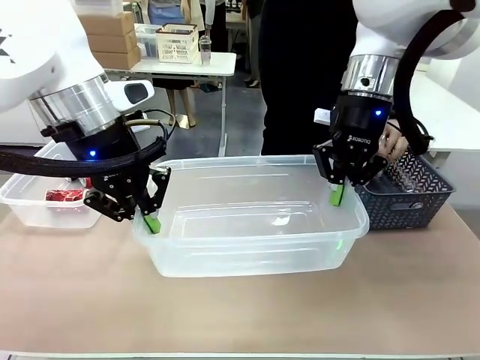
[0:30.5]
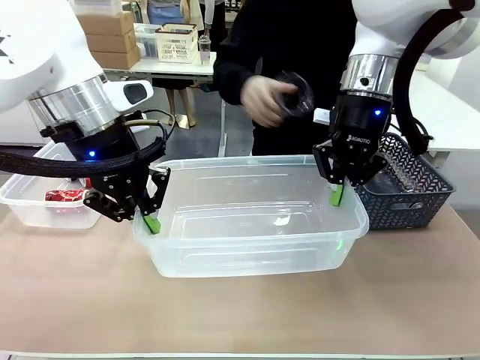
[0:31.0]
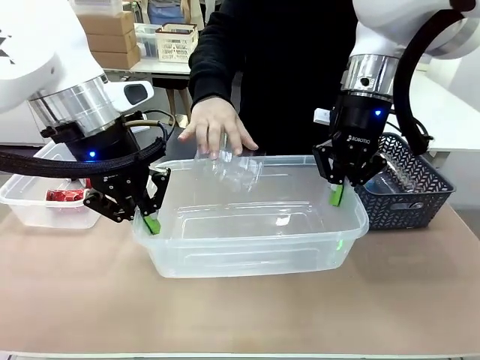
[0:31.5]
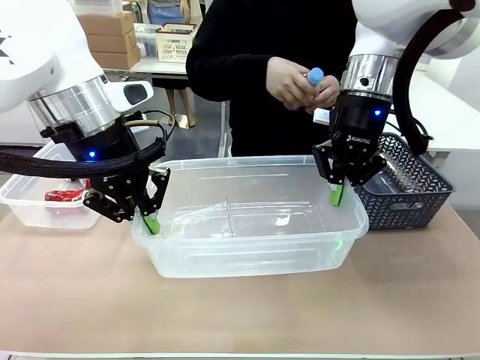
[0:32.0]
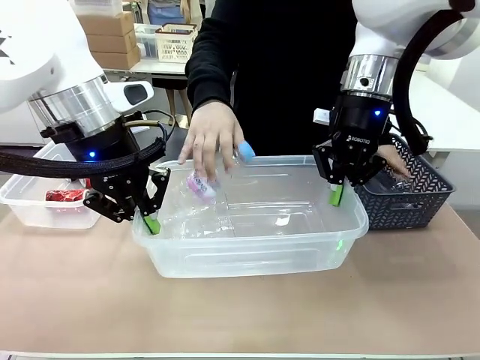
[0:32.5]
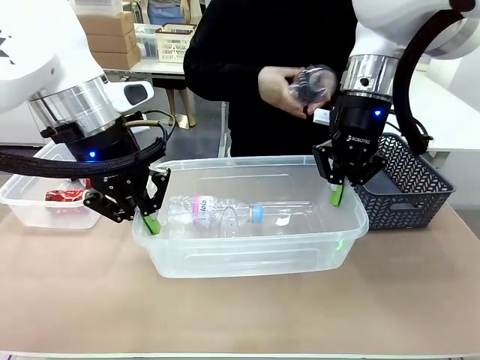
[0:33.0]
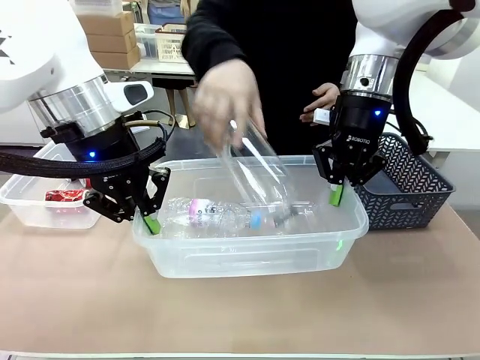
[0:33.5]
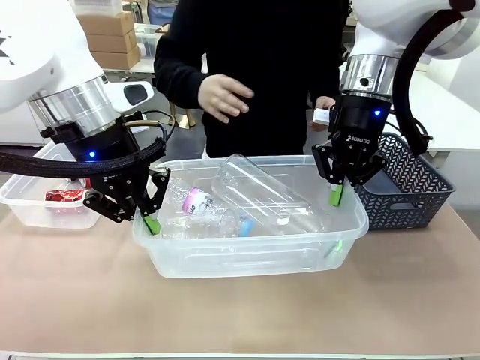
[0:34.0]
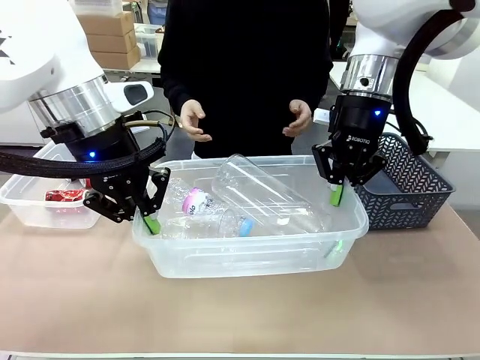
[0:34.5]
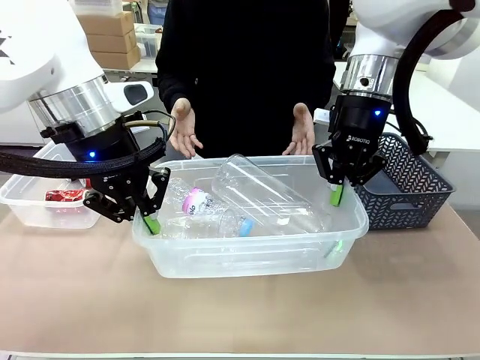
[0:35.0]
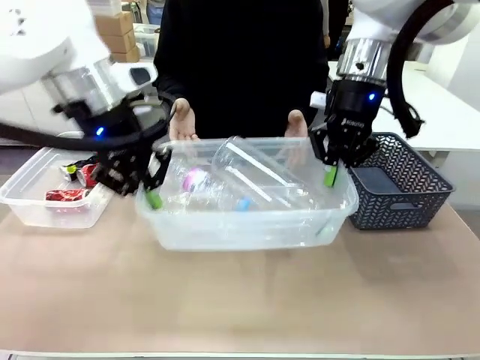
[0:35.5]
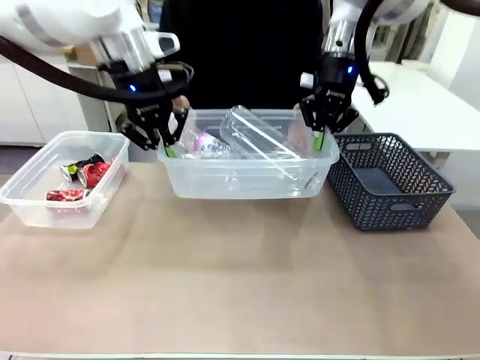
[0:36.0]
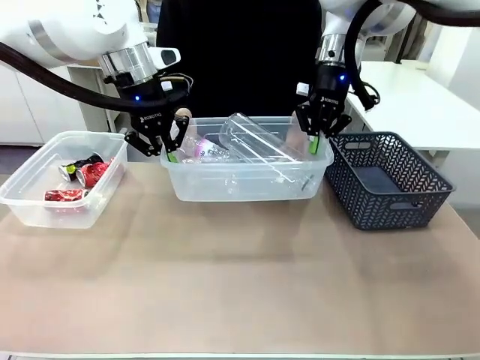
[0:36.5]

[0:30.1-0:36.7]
Robot: Offer the picked Organizing box to the human.

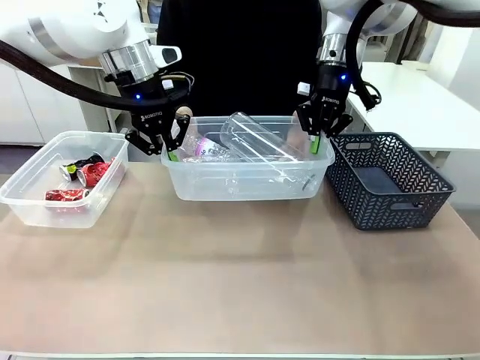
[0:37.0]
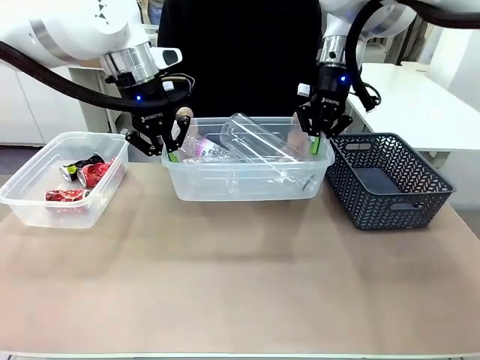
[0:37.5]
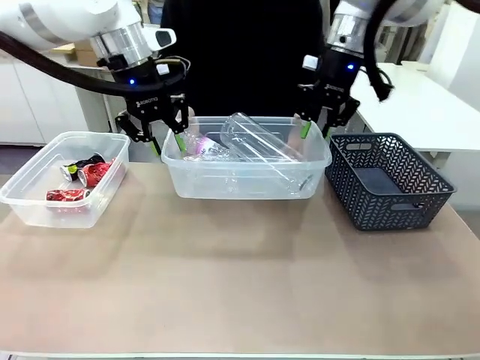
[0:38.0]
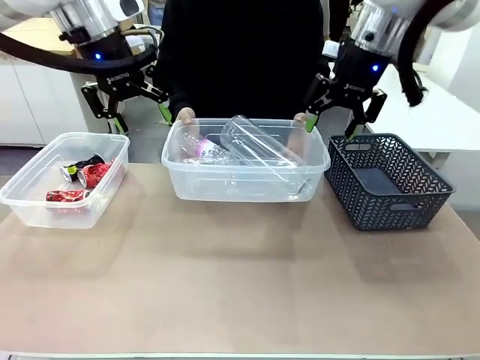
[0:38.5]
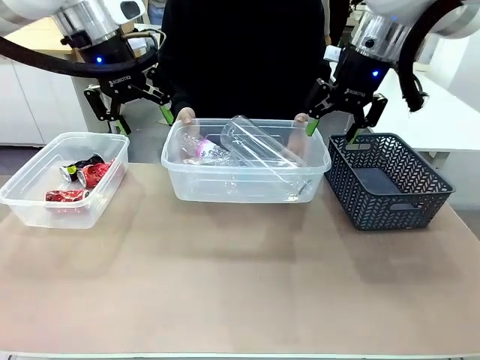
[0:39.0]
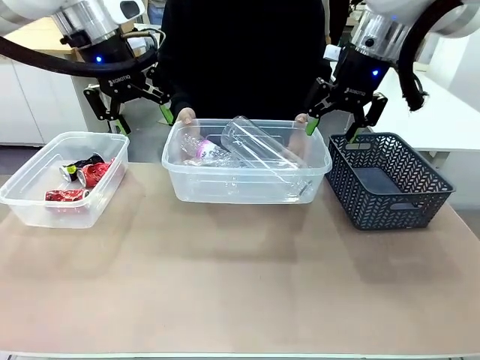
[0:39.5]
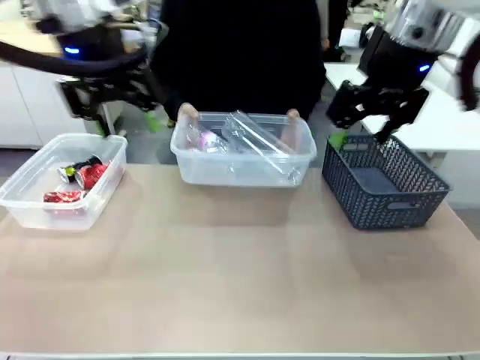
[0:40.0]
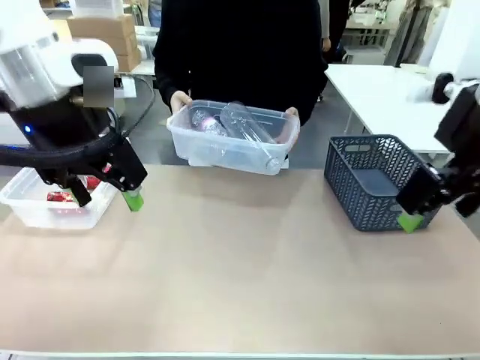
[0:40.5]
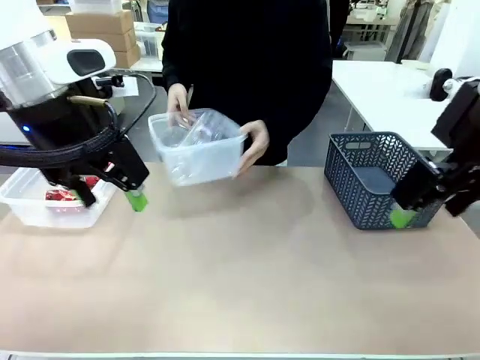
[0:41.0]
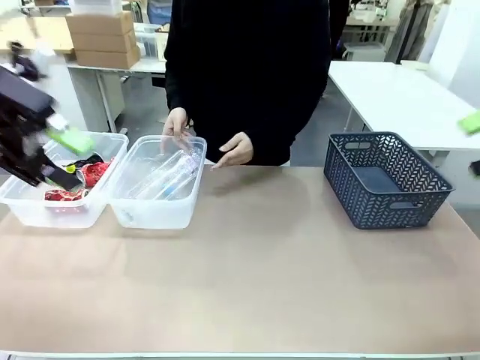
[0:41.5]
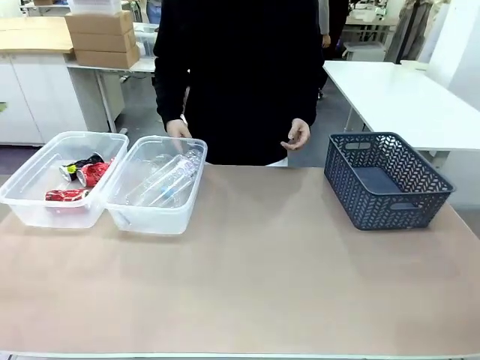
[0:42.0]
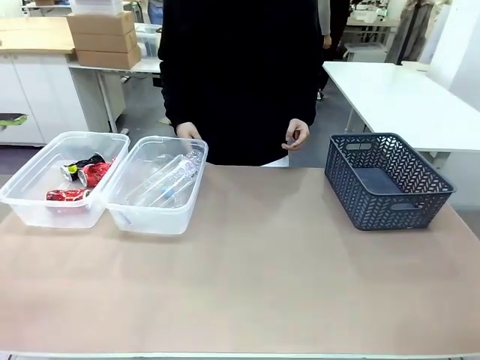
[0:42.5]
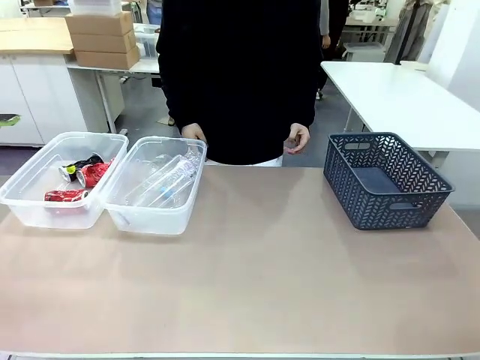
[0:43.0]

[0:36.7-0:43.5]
Robot: Release the Organizing box you were holding.
Person: Pick up the organizing box extended by the robot. Place the organizing box to the left of the sorting box containing the can waste.

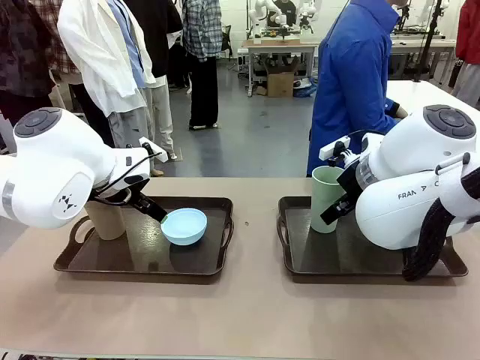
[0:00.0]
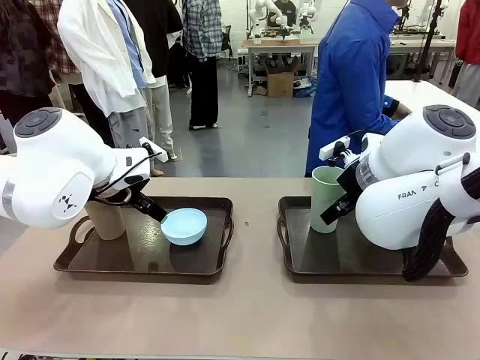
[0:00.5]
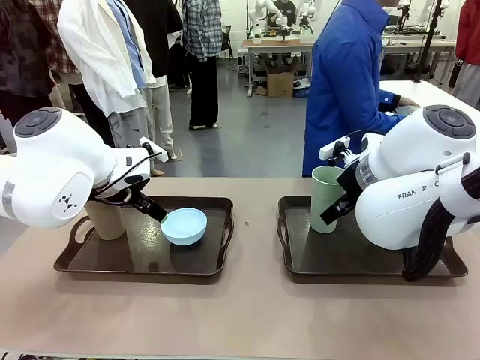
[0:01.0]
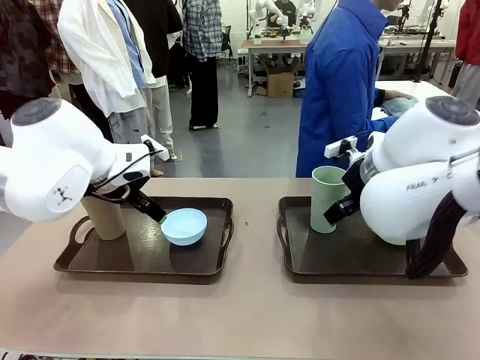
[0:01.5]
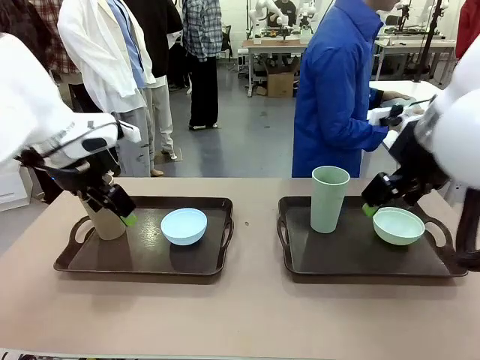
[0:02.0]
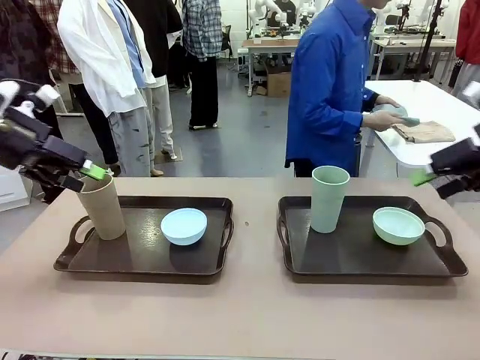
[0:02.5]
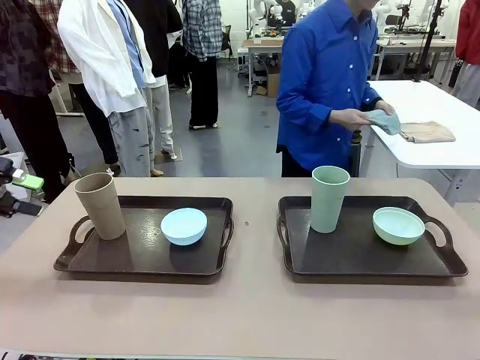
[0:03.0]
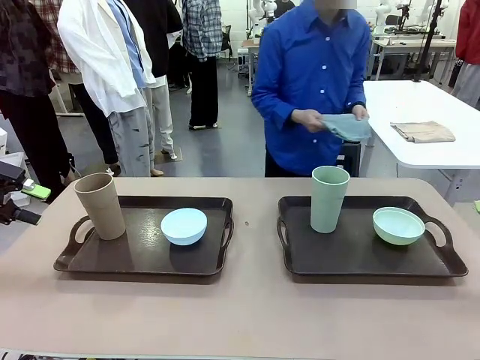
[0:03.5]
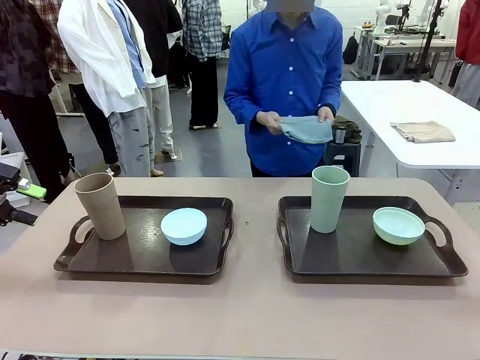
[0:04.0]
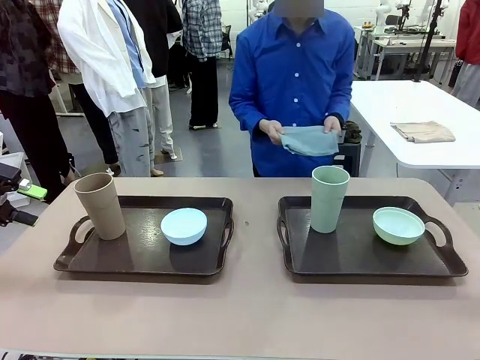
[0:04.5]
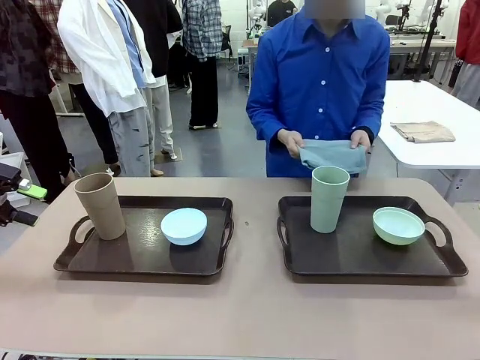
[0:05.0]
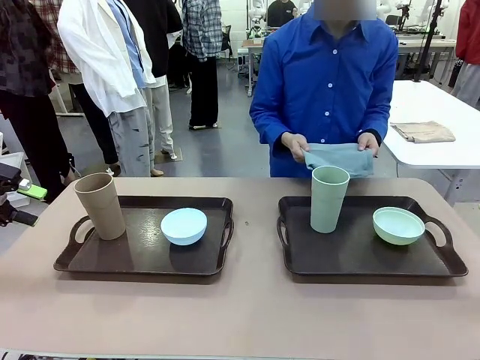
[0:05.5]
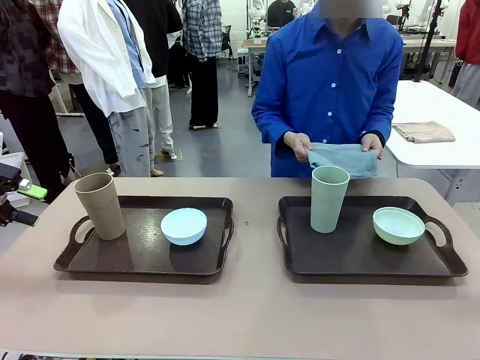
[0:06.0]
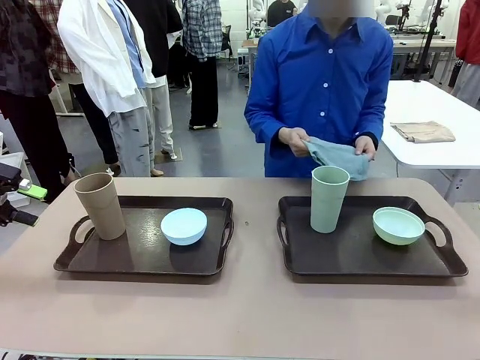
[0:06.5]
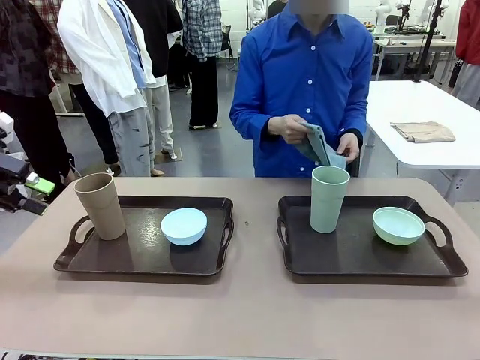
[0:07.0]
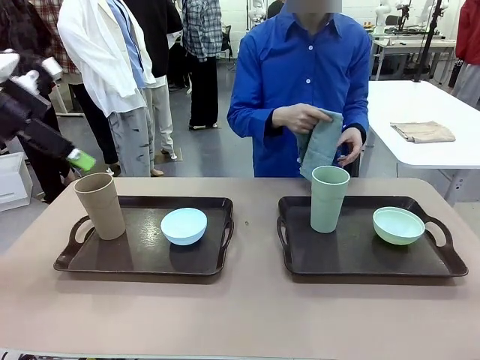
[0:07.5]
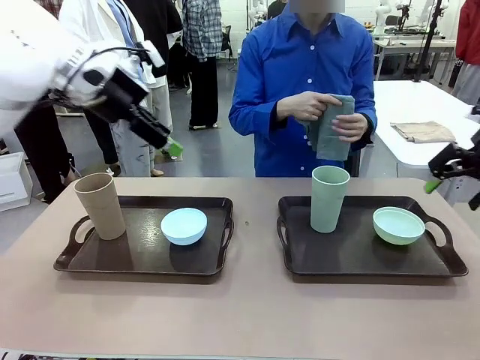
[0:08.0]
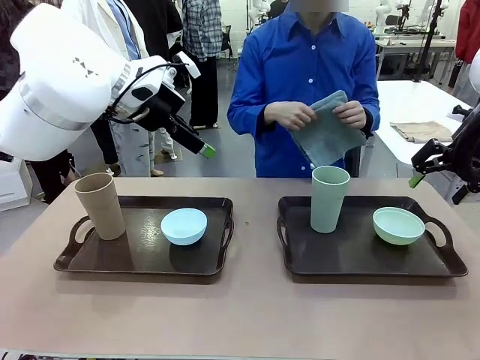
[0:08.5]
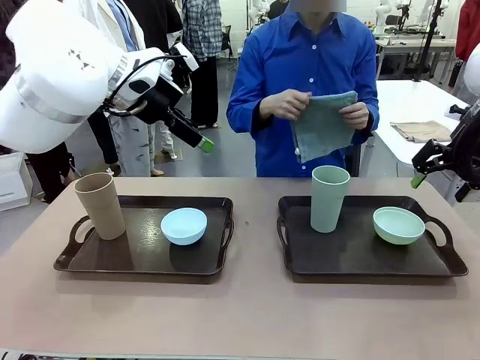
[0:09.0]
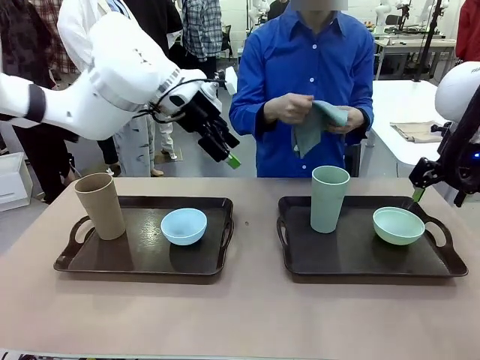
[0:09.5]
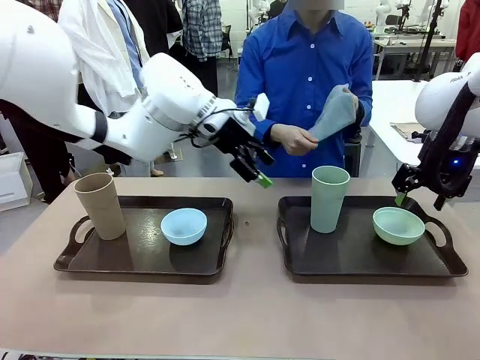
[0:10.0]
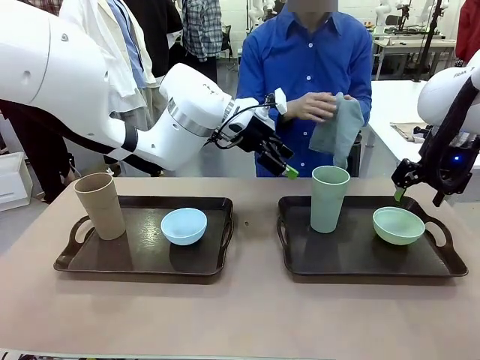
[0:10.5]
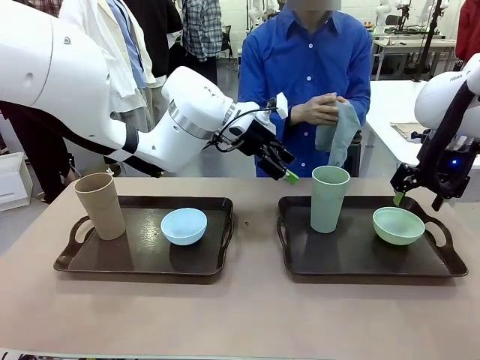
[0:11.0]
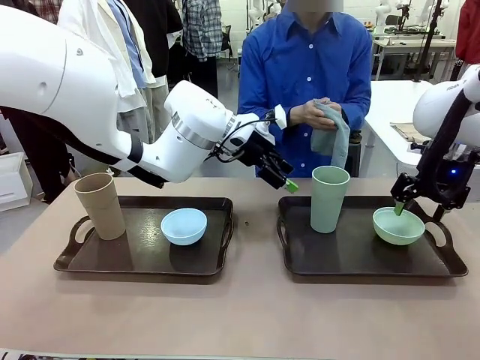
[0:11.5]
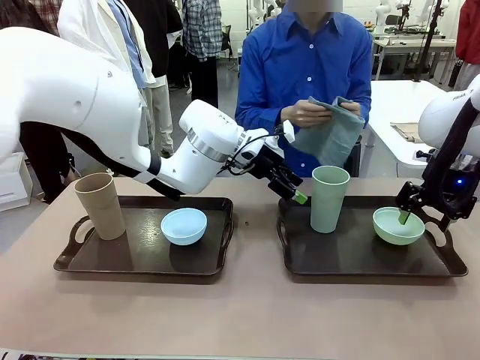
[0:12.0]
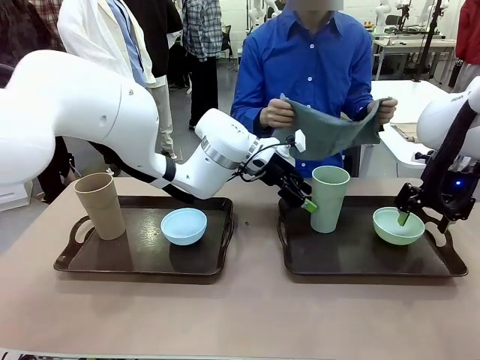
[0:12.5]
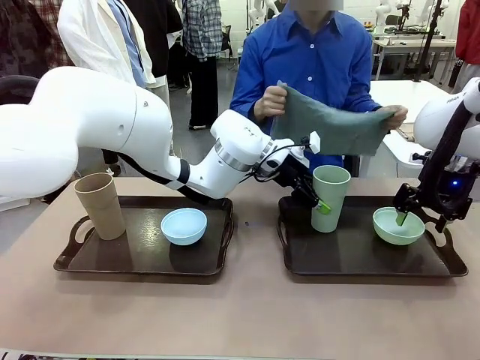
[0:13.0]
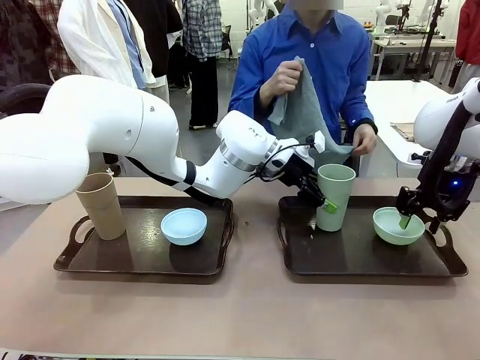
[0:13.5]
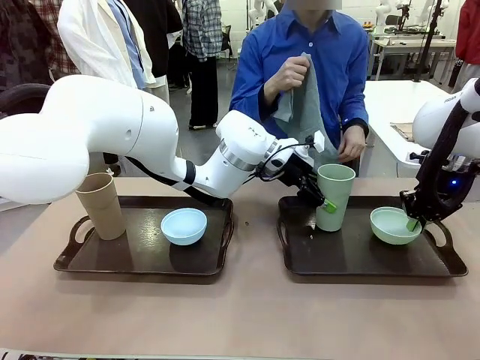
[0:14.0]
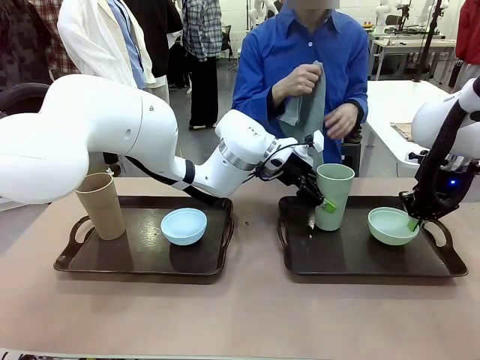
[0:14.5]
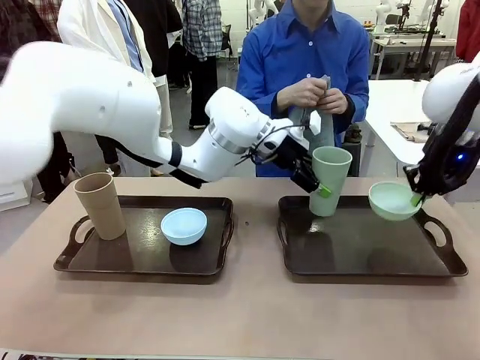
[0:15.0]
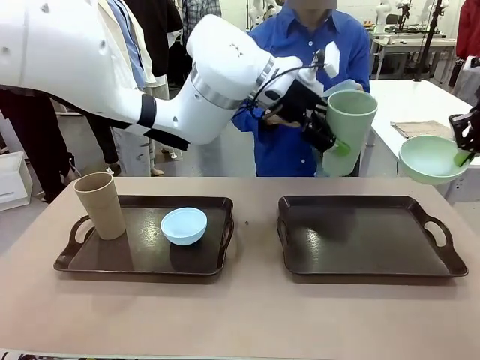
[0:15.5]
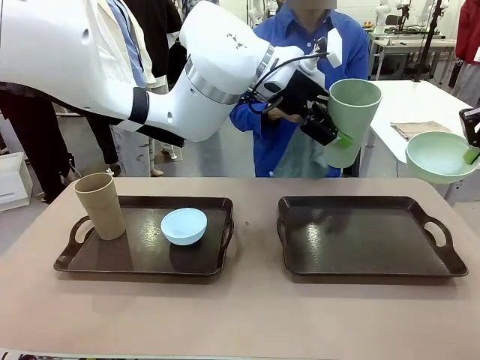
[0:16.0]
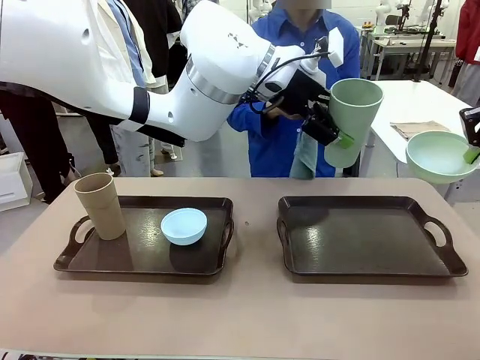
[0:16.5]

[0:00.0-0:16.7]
Robot: Pick up the Picnic Bowl and Reusable plastic cup from the Handle tray in front of the human's position and hold them in the air.
Person: The human picks up the top napkin from the stack on the human table and walks to the robot table to stand in front of one of the two trays. When the robot lifts the bowl and the cup, the human unfolds the napkin and lays the napkin flat on the tray.
